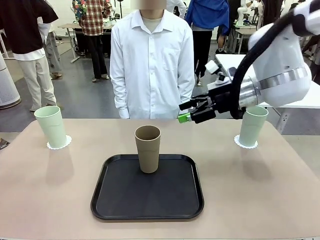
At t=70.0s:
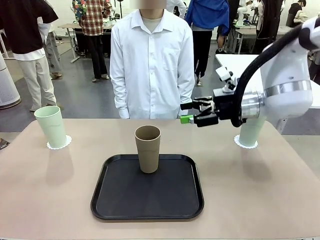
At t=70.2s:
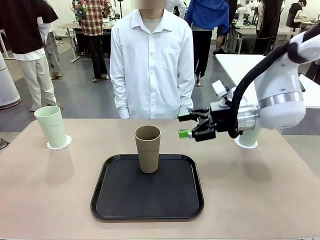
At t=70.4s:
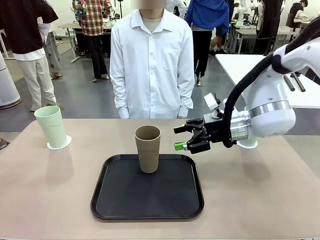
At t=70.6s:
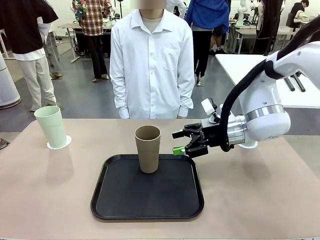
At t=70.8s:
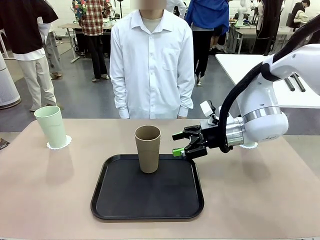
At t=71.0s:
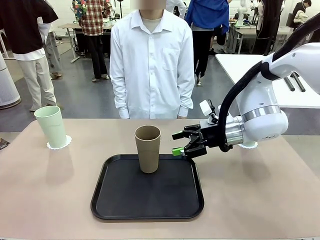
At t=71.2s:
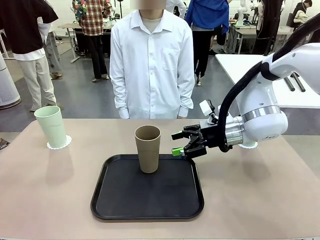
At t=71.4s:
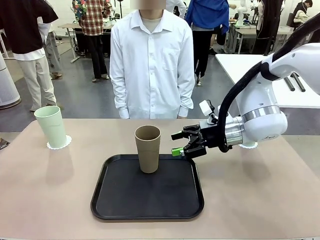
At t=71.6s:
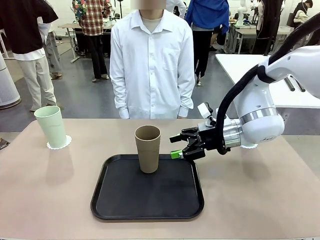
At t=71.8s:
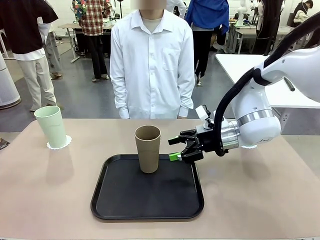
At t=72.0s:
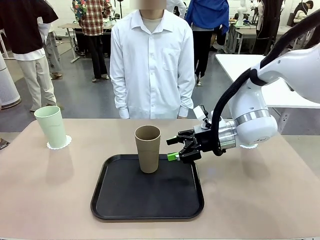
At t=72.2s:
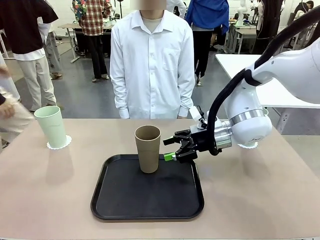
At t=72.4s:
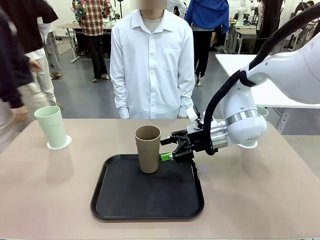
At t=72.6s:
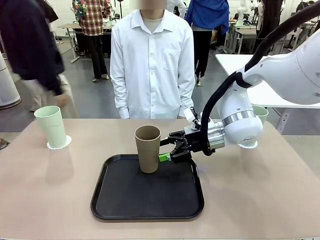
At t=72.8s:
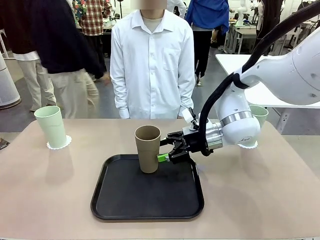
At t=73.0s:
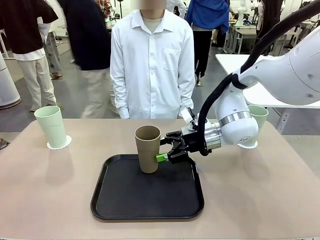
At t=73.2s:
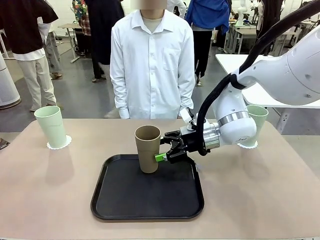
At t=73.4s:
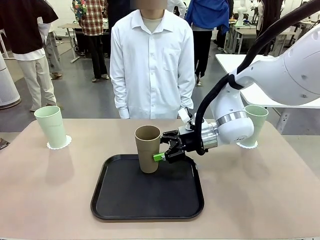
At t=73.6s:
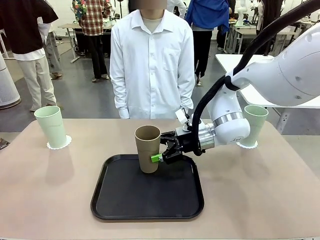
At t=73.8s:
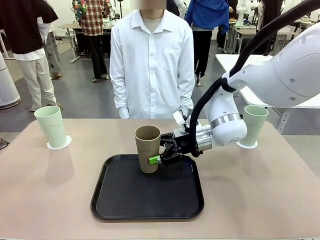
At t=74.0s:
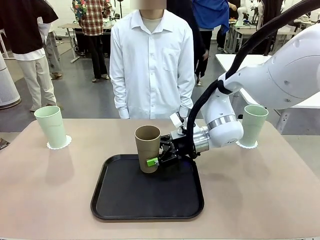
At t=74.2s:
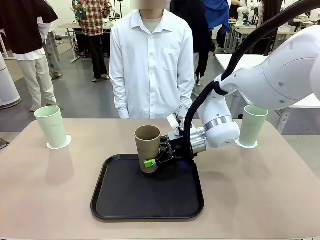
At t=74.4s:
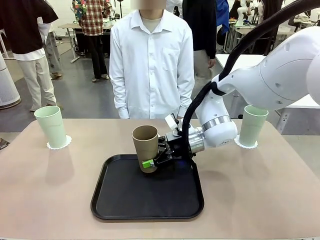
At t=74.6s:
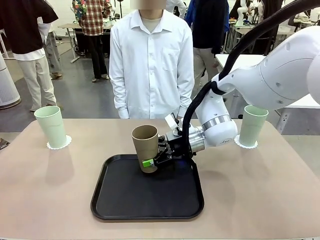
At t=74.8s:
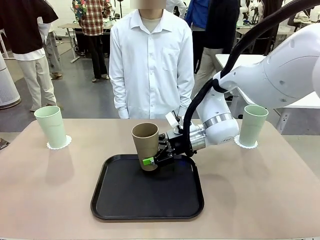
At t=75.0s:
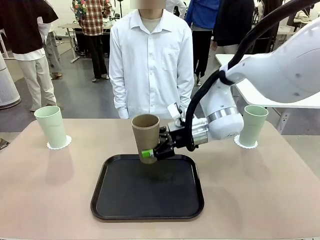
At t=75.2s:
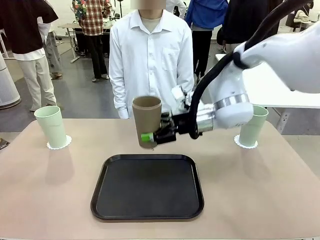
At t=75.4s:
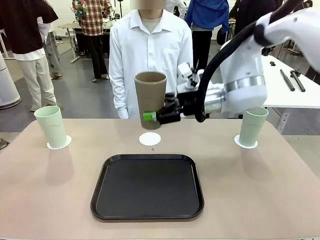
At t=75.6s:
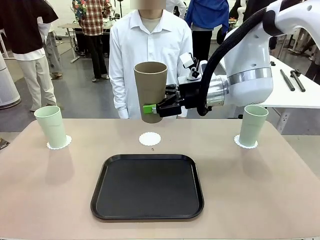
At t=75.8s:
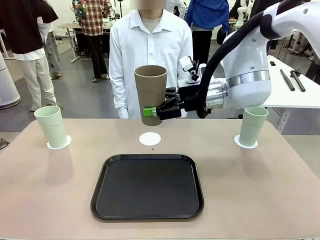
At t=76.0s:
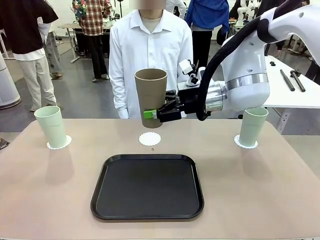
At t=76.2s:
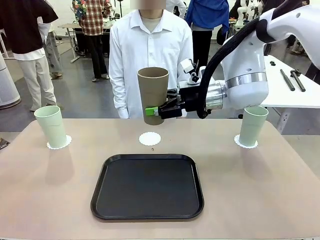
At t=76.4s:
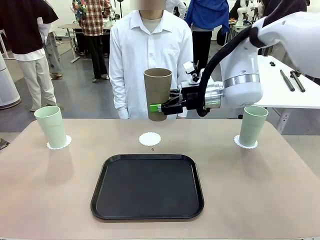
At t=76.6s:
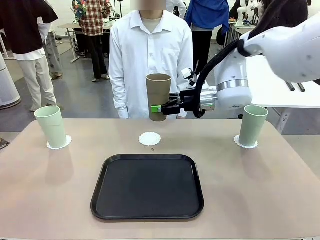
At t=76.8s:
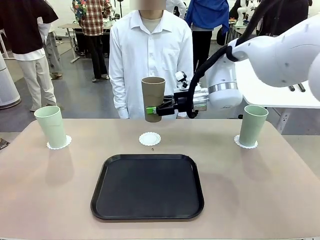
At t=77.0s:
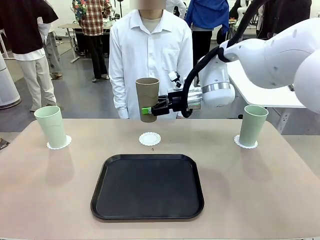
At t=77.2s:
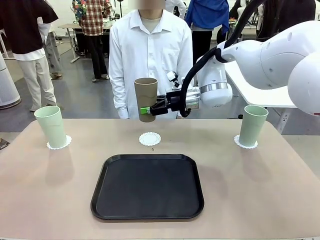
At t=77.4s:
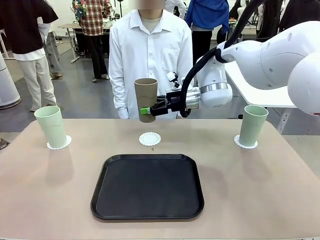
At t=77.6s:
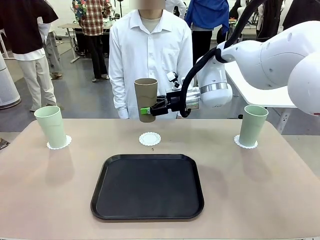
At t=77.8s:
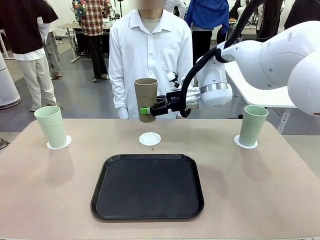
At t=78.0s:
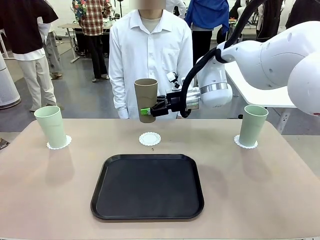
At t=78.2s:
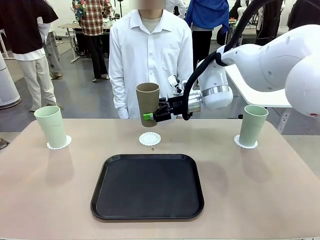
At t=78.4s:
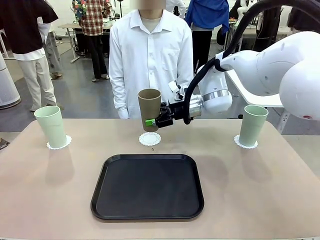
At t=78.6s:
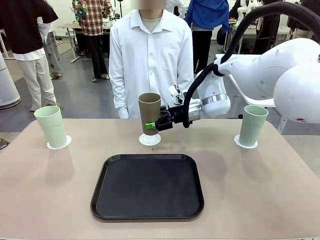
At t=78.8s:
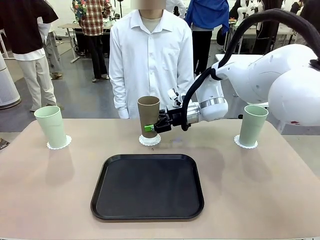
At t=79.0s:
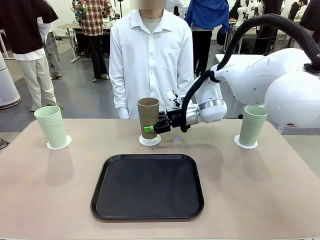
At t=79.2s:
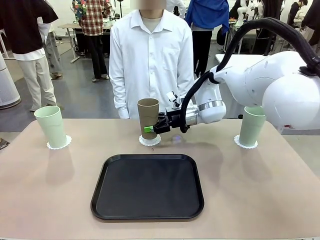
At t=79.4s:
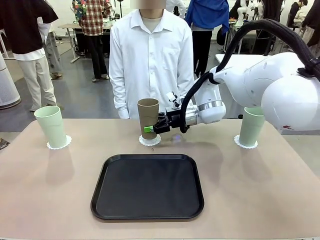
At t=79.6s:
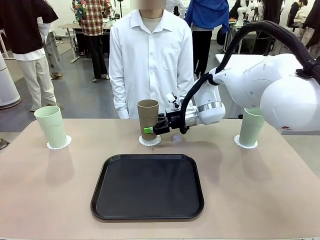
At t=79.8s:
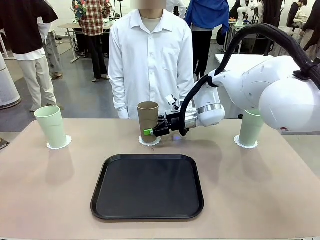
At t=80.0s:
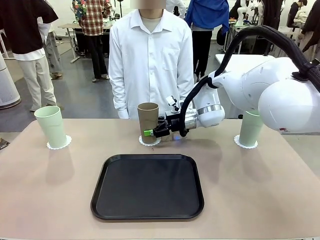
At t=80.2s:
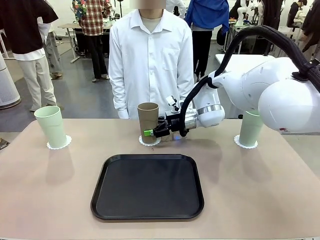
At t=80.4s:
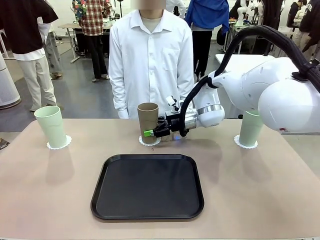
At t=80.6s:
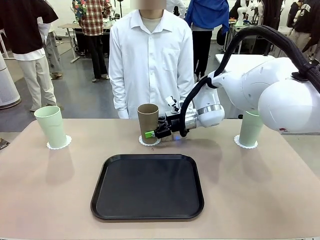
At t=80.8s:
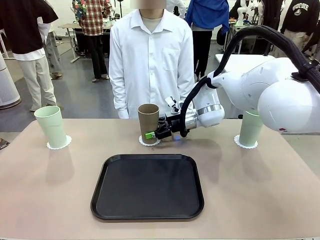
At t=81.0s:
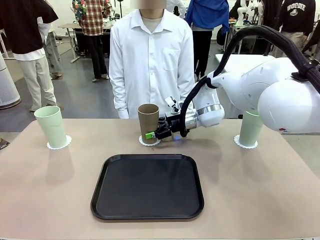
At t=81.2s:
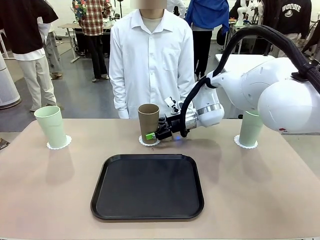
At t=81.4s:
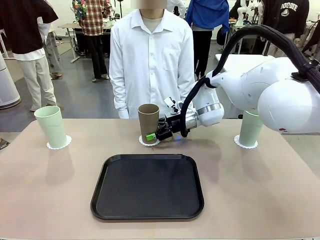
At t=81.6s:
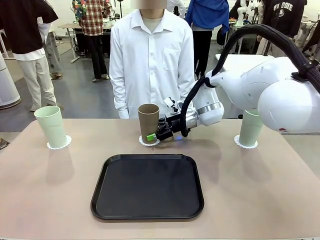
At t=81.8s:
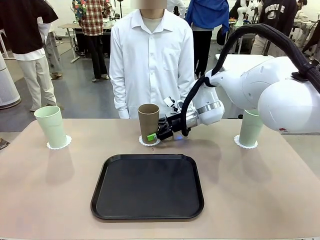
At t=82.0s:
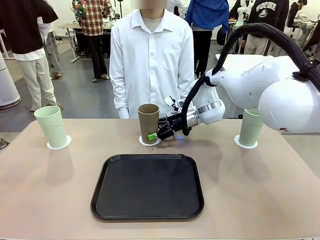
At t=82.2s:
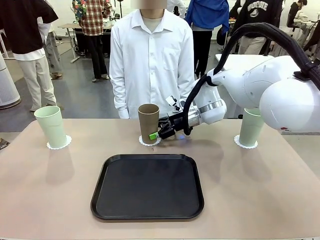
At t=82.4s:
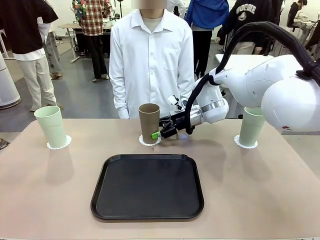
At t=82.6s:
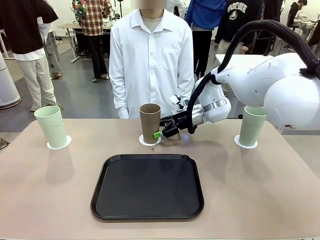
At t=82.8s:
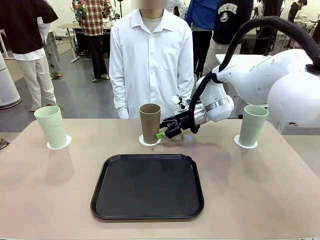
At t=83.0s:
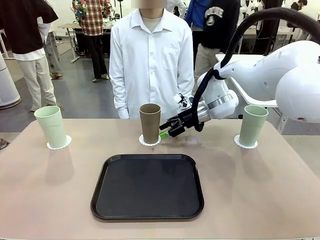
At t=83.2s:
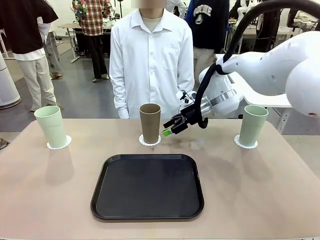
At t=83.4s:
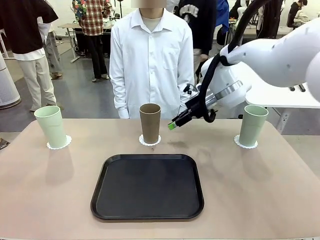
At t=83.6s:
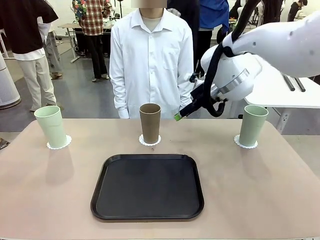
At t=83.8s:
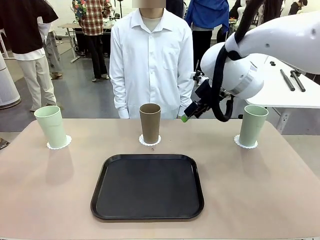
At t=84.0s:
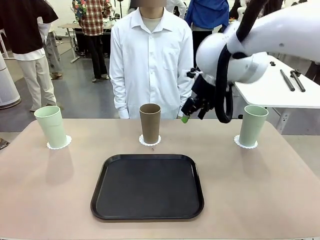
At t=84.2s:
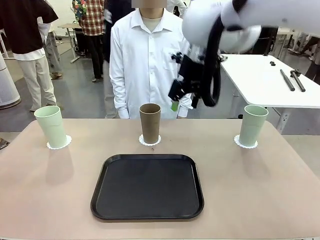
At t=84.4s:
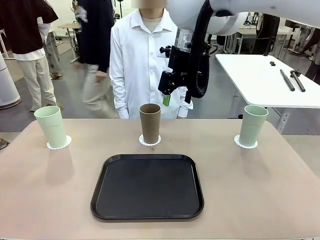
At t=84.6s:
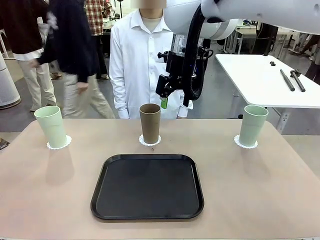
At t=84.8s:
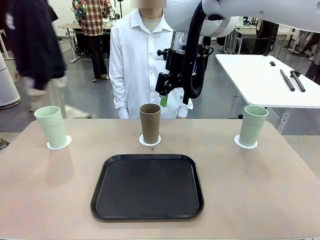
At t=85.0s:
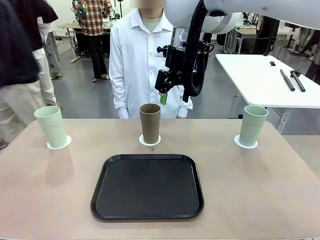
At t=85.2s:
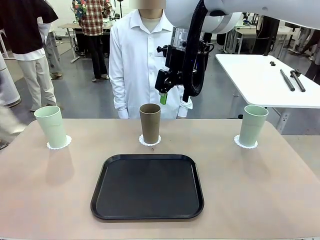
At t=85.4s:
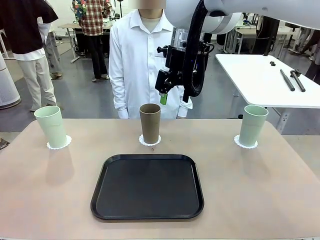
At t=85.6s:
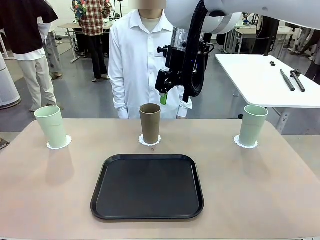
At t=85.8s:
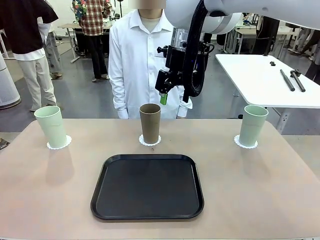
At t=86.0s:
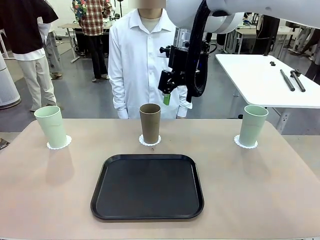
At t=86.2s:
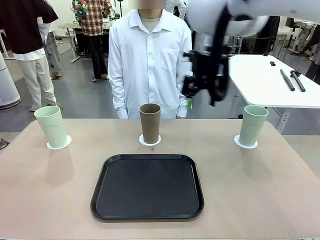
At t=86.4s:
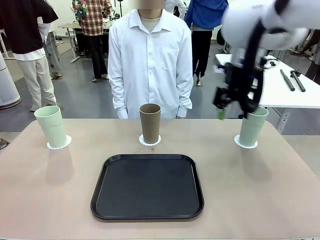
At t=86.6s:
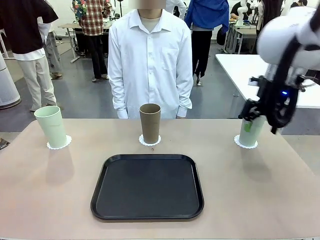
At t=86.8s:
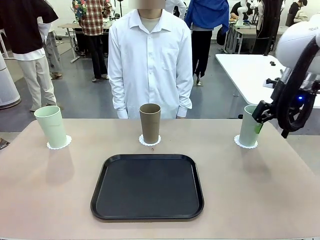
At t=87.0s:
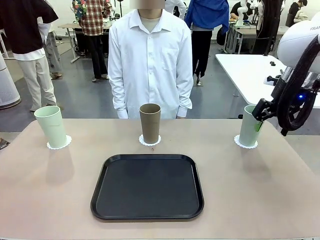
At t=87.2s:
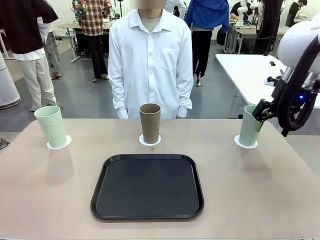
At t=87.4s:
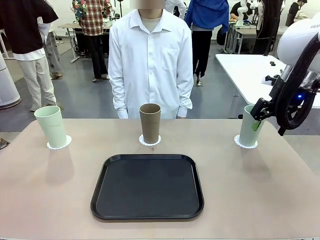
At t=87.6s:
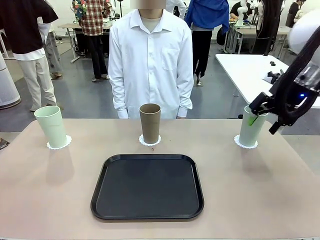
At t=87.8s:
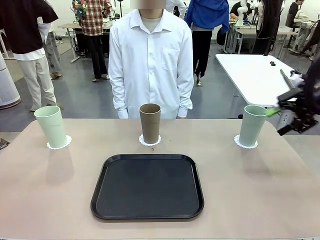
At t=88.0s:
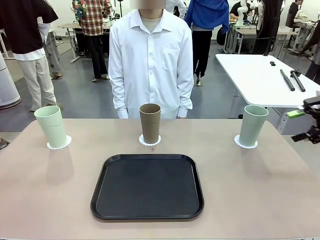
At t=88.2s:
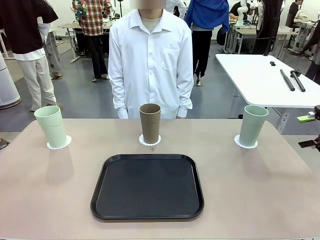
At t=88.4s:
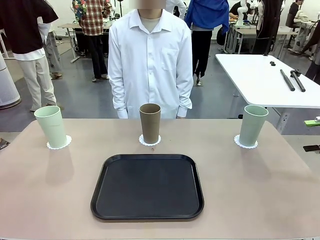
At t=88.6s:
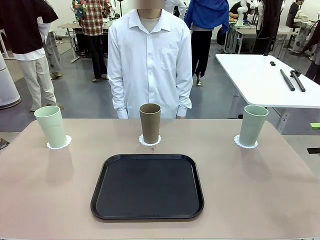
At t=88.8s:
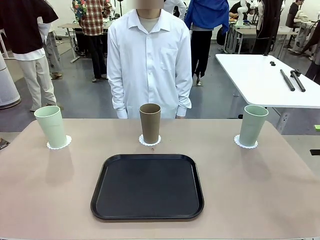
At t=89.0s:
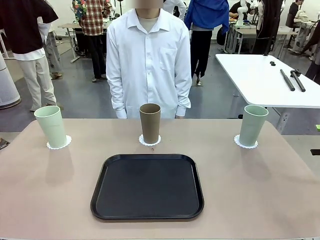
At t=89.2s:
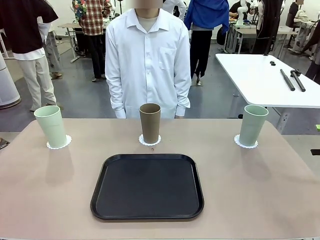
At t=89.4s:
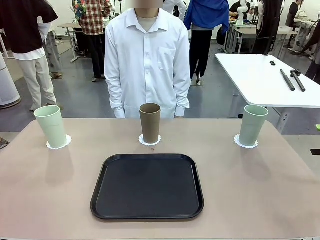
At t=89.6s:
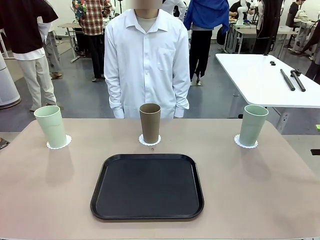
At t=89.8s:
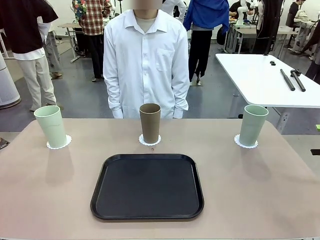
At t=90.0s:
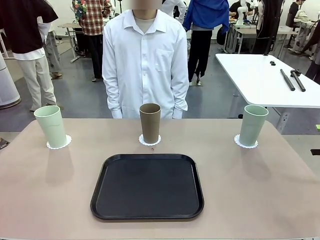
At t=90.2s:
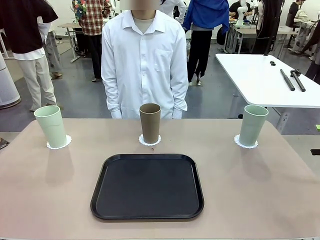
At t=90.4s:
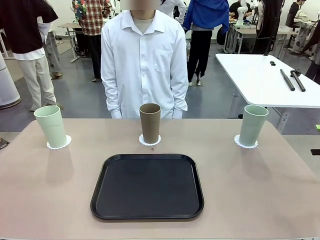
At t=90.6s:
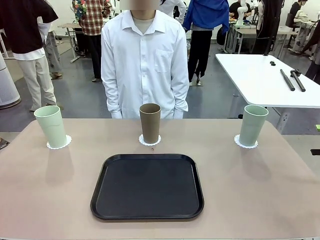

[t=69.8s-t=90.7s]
Task: Place coasters on the table and set cups on them.
Robot: Take one Reusable plastic cup from the Flat Tray and place it on a coaster set by the human.
